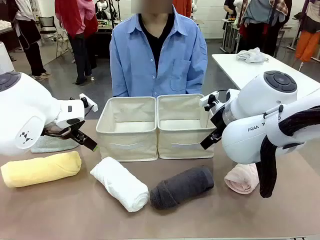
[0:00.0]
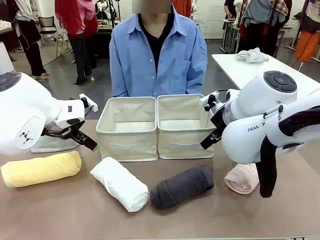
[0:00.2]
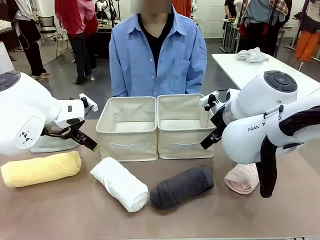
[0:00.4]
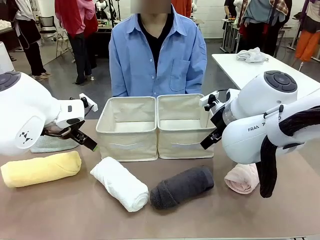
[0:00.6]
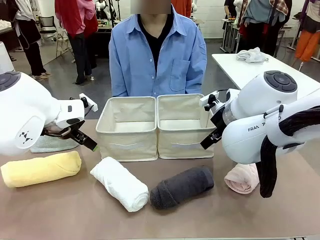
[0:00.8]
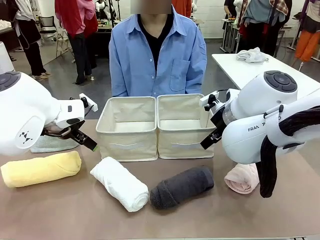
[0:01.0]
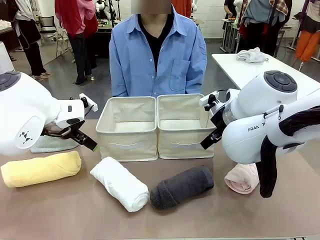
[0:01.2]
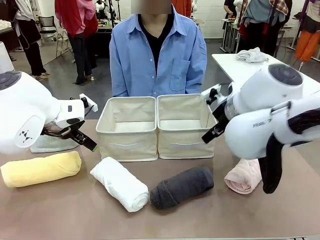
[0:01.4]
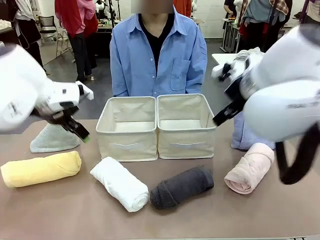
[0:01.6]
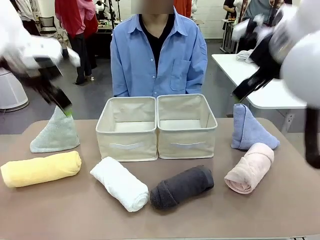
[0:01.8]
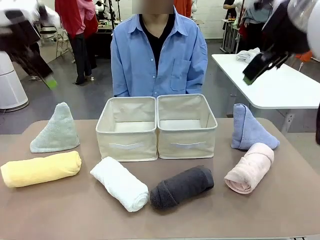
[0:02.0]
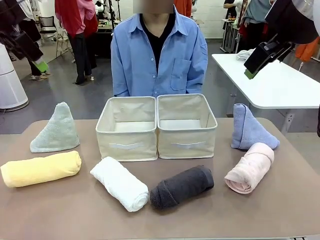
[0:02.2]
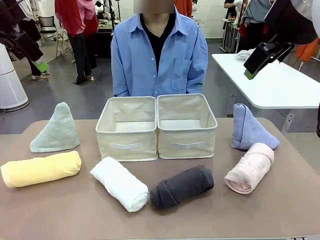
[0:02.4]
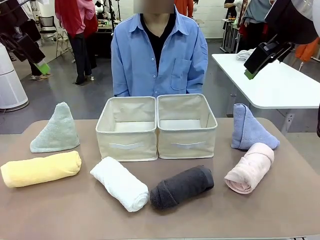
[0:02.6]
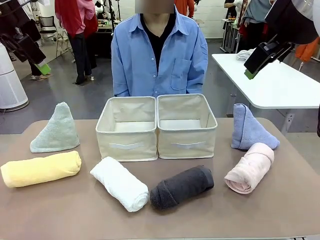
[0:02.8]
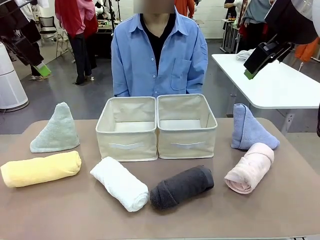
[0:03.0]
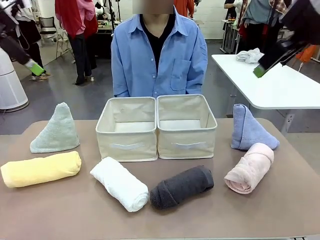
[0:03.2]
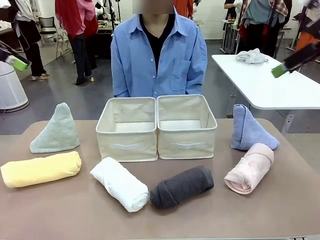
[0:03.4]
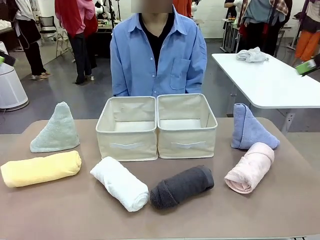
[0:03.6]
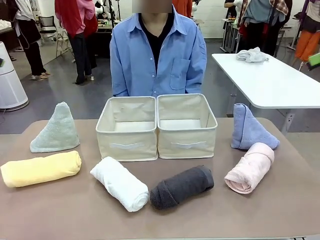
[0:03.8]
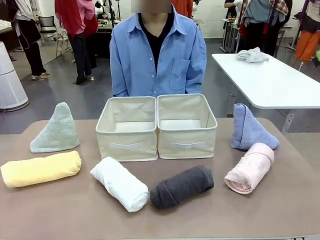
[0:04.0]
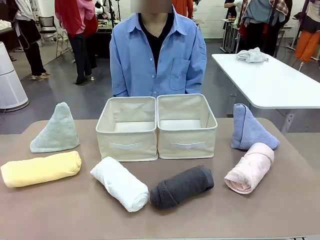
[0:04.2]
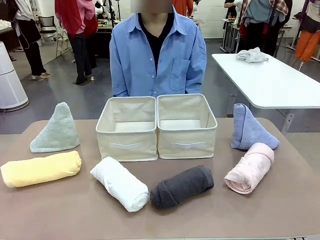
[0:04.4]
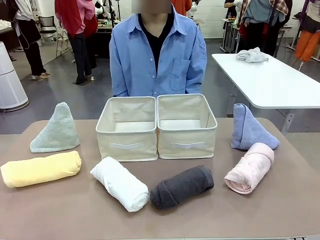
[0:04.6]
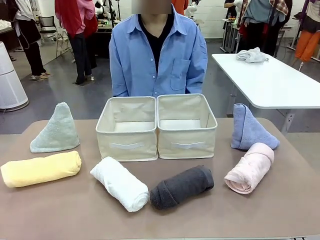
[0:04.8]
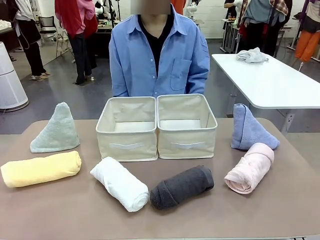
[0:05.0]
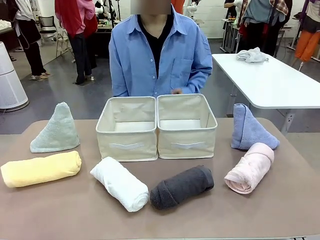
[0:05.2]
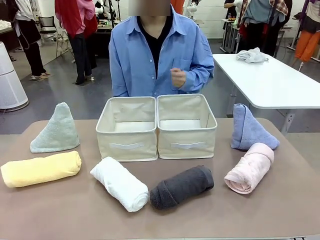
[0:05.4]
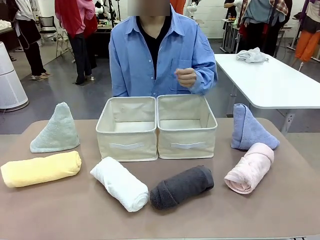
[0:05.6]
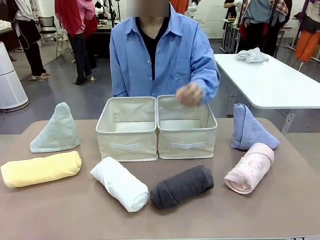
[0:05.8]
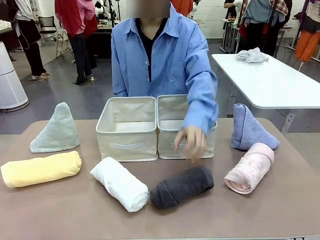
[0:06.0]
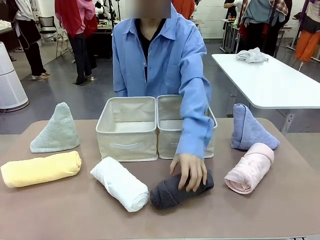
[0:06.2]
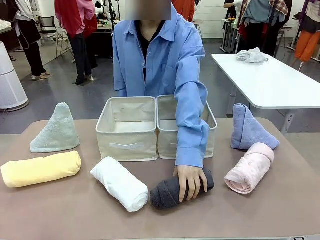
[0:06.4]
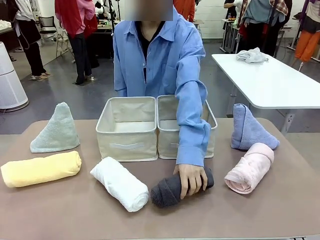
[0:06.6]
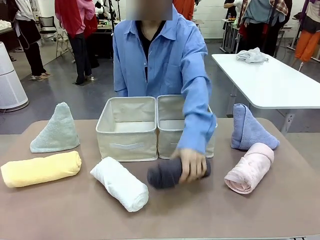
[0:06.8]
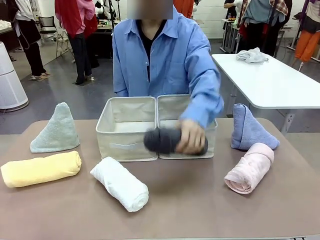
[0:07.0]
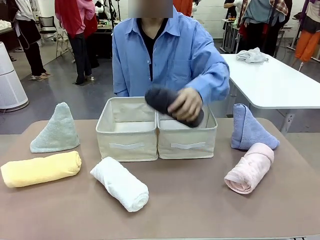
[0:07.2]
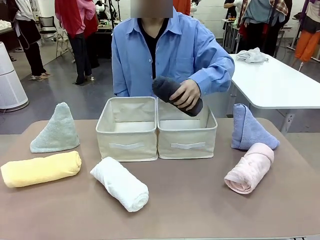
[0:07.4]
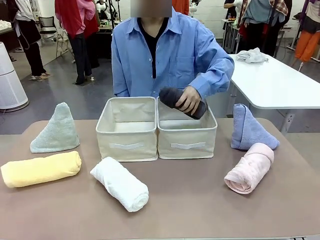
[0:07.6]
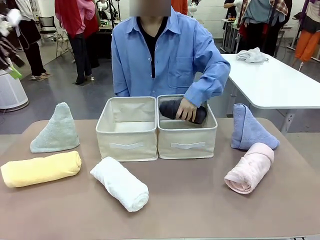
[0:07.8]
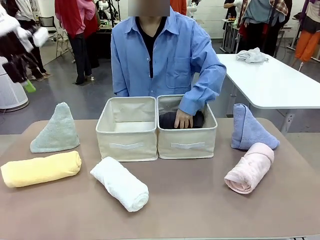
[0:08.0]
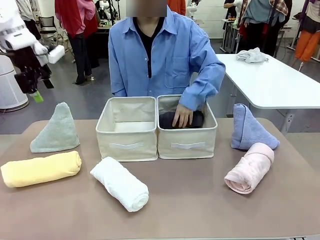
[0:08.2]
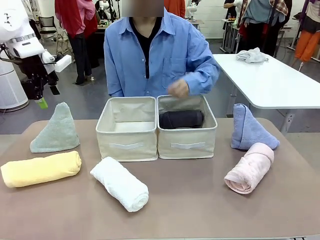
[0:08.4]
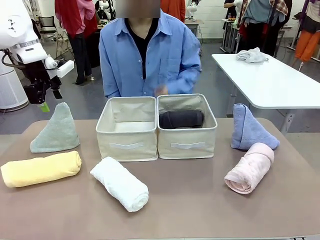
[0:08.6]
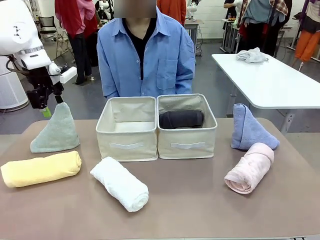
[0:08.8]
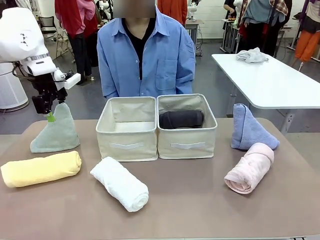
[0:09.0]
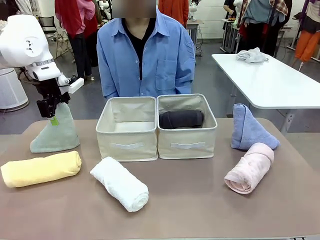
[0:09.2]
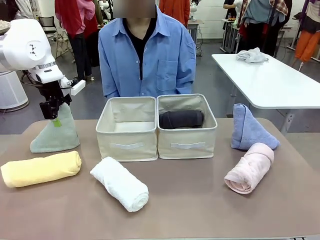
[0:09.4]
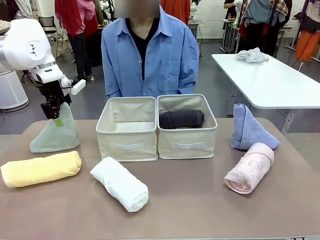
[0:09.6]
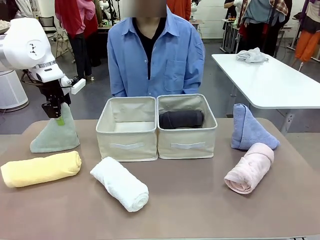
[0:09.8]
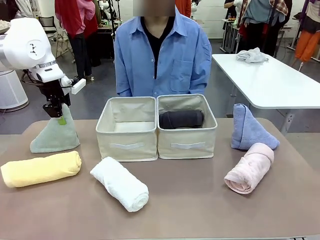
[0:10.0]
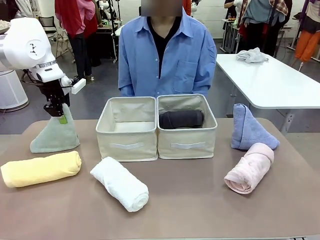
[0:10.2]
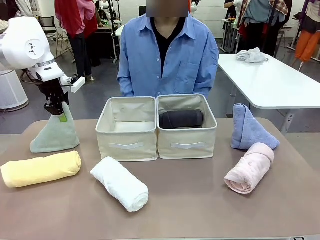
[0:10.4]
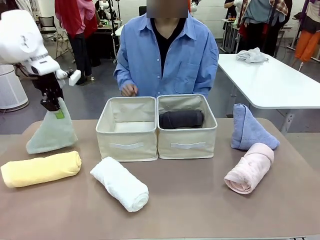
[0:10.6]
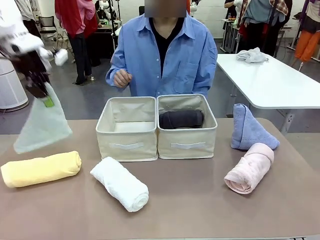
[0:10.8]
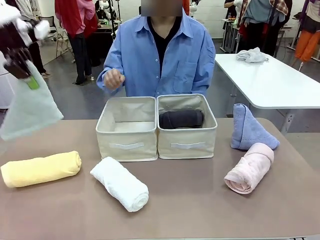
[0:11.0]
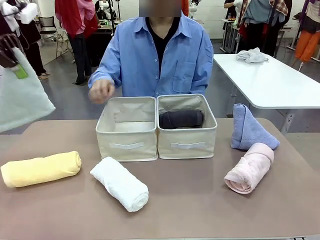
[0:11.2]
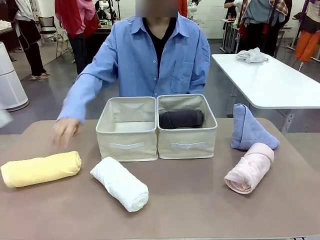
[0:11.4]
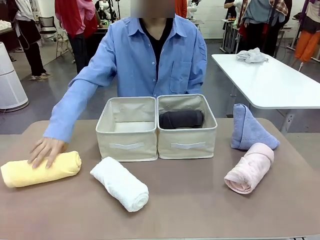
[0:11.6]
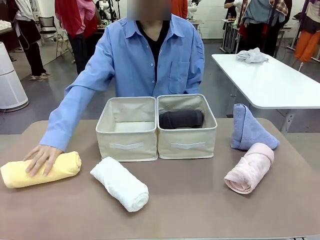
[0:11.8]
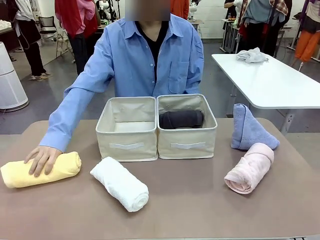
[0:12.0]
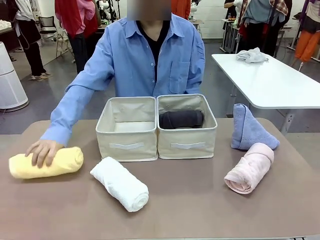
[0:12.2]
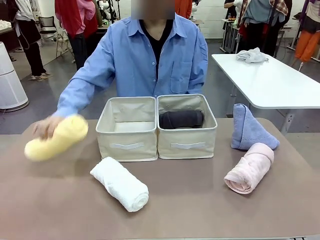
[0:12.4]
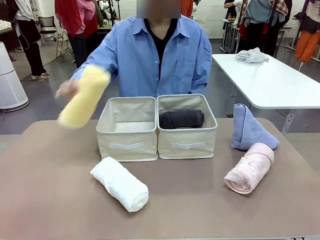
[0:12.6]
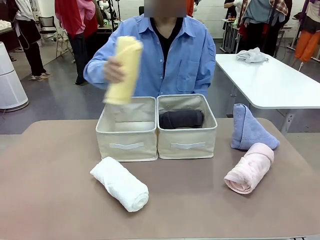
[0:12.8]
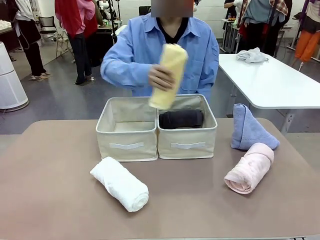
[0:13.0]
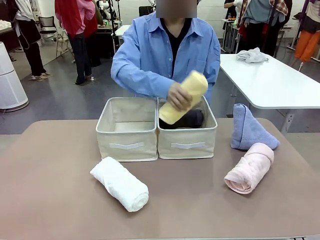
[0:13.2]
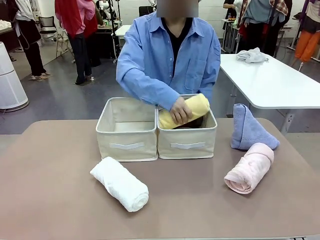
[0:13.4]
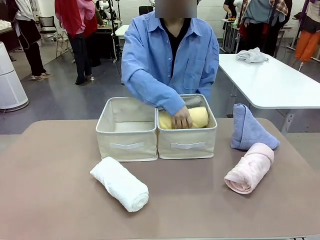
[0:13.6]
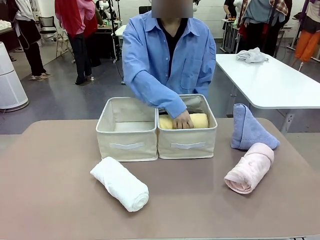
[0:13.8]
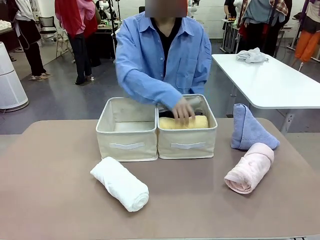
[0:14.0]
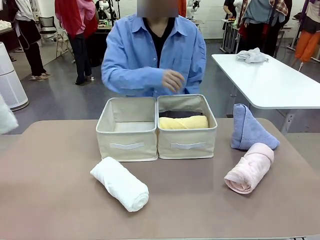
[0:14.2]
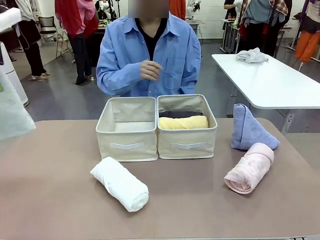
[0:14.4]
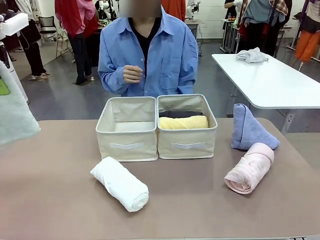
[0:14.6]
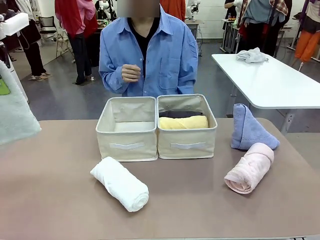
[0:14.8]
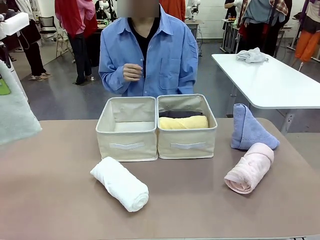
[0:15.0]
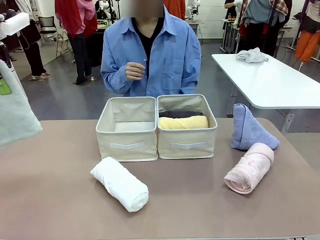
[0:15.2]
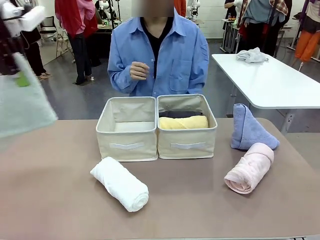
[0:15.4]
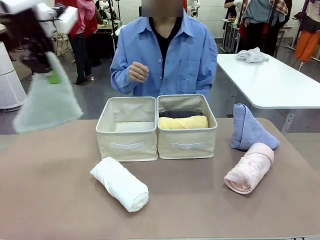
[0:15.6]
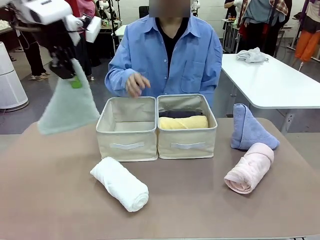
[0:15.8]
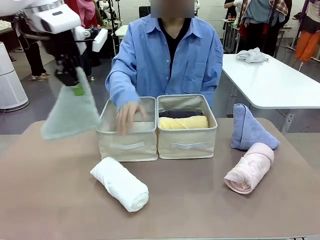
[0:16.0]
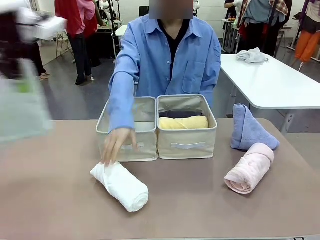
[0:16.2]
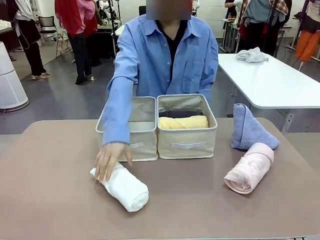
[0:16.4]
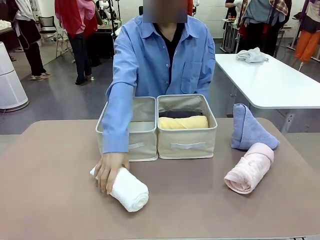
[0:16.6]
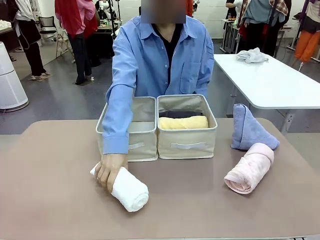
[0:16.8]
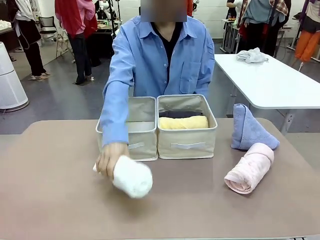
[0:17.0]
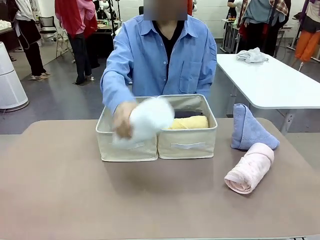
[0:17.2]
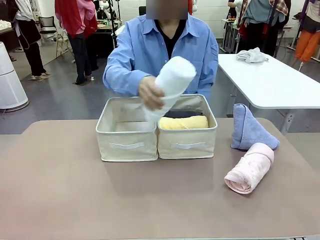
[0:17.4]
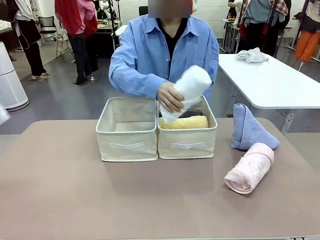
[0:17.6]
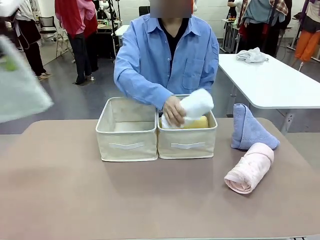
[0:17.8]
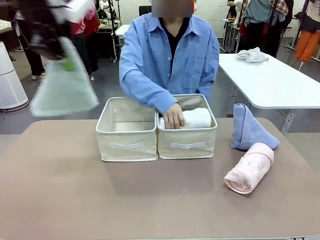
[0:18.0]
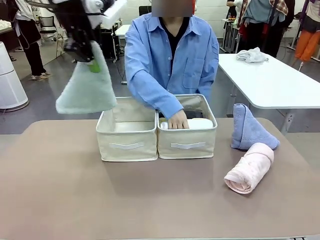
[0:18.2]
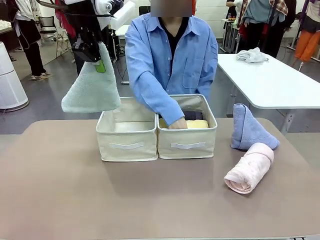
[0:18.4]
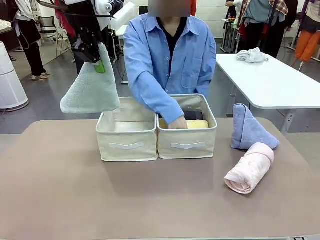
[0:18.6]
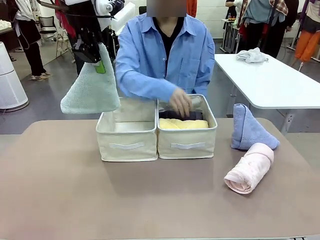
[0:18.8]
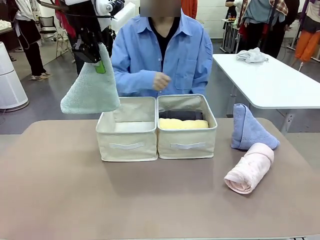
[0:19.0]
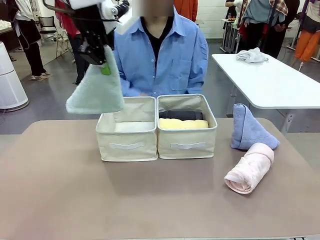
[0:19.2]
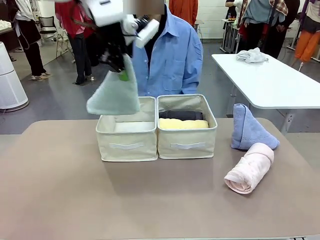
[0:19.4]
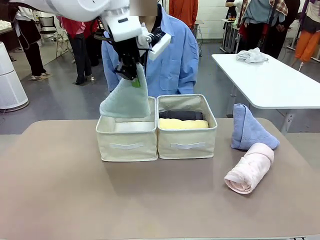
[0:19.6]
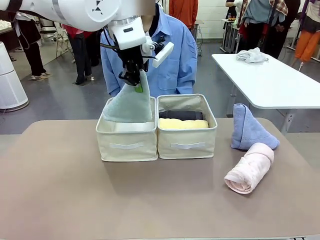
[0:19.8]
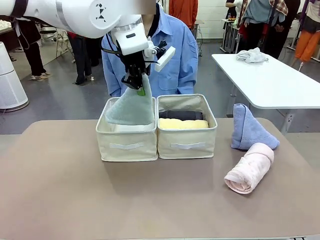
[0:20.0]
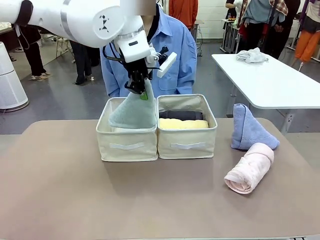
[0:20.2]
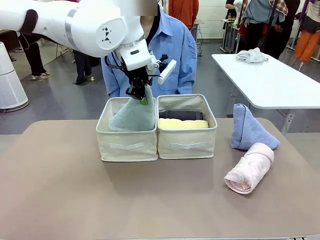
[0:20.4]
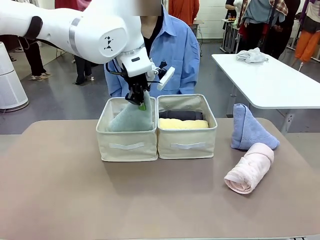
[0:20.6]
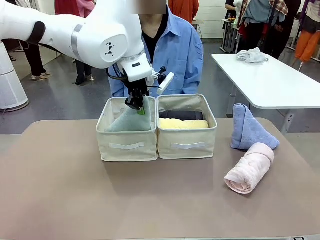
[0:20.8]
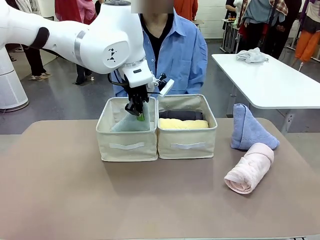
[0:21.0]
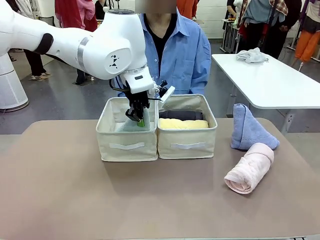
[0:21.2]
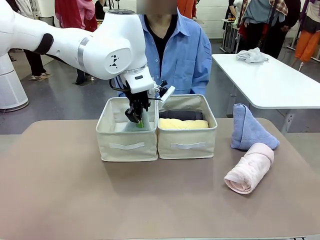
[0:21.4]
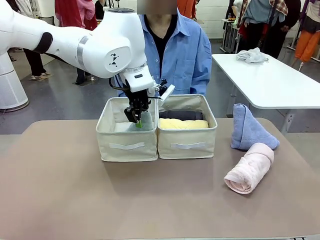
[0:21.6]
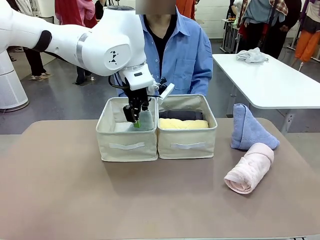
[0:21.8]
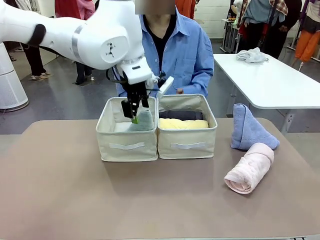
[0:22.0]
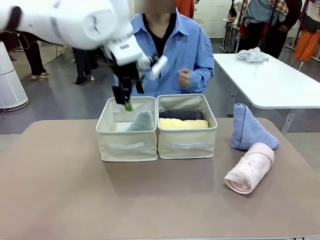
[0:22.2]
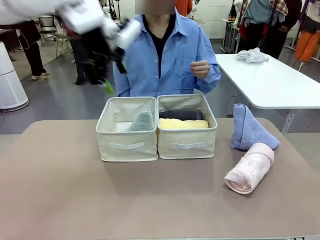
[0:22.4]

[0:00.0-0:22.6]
Task: Sort the towels based on their folding style.
Robot: Pick up one triangle-folded towel and place it in the left Fabric basket.
Person: Pick up one hotel-style rolled towel and place it in the left fabric basket.
